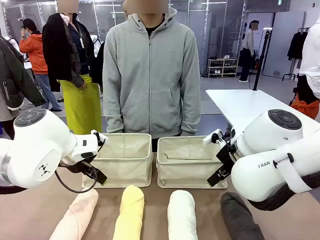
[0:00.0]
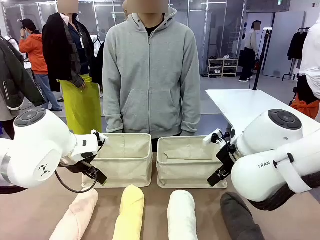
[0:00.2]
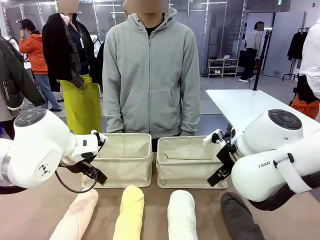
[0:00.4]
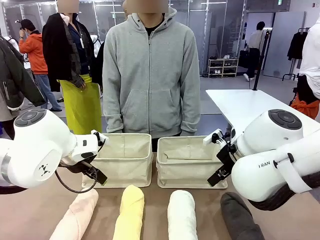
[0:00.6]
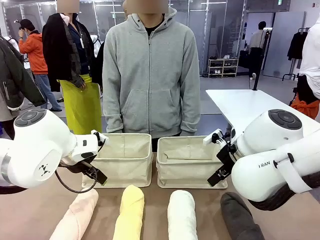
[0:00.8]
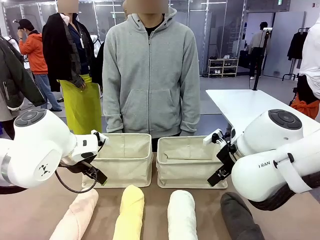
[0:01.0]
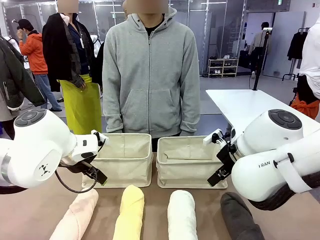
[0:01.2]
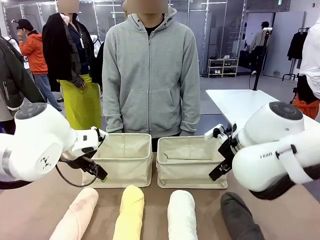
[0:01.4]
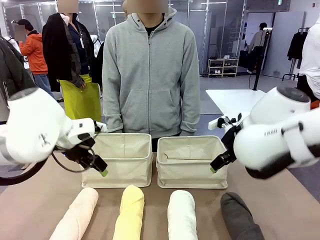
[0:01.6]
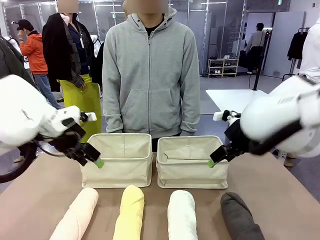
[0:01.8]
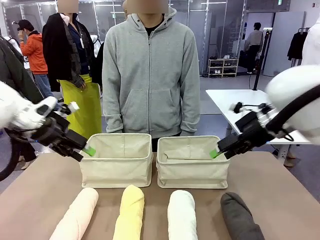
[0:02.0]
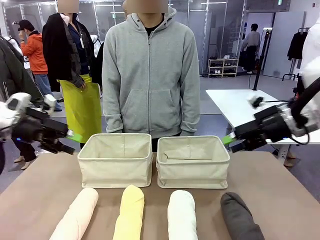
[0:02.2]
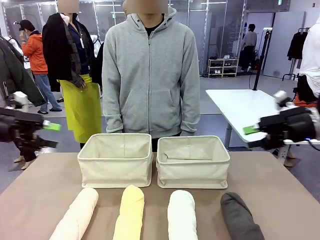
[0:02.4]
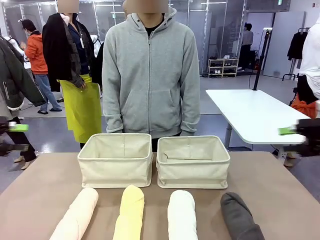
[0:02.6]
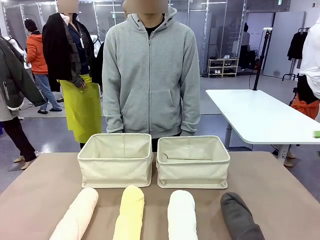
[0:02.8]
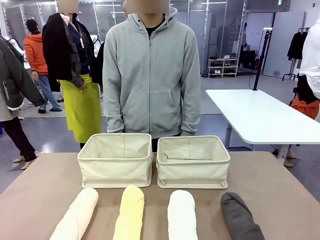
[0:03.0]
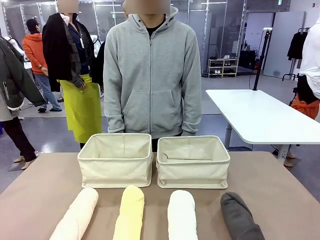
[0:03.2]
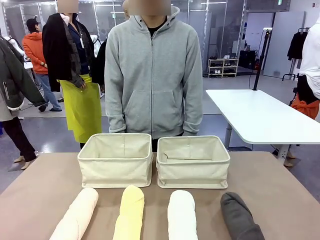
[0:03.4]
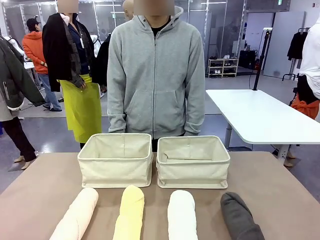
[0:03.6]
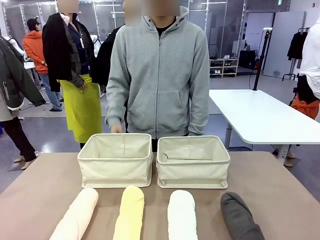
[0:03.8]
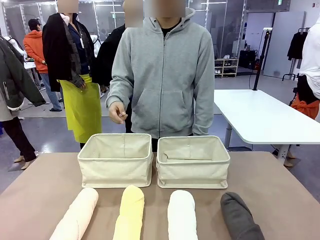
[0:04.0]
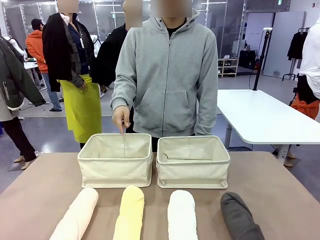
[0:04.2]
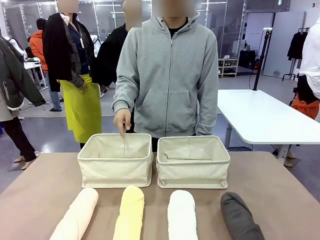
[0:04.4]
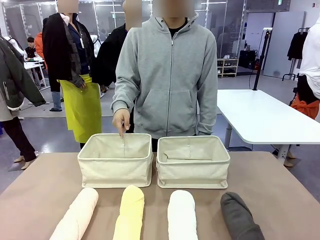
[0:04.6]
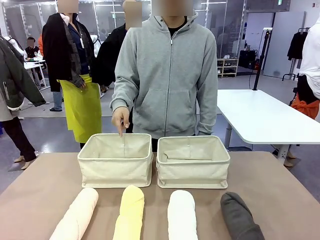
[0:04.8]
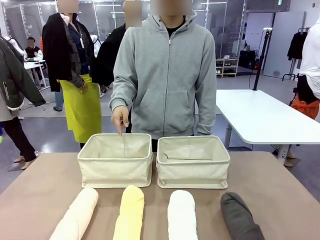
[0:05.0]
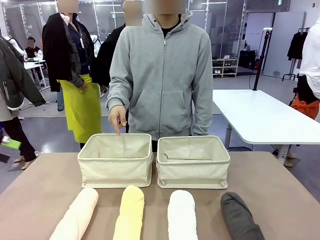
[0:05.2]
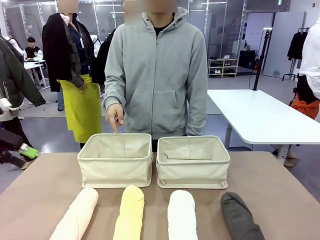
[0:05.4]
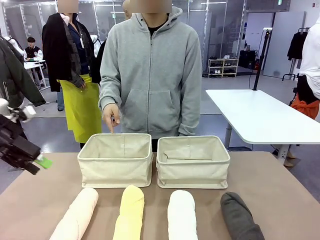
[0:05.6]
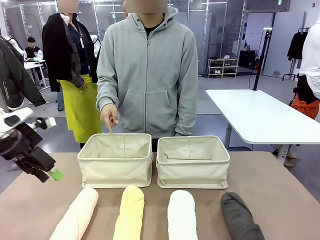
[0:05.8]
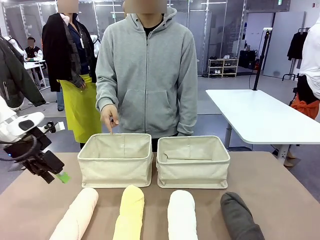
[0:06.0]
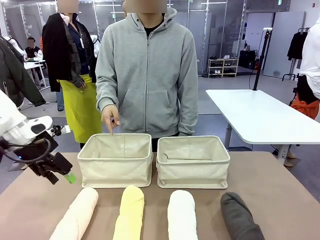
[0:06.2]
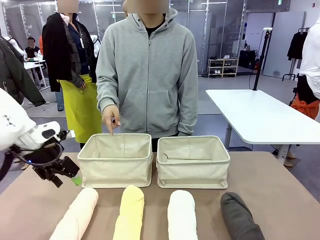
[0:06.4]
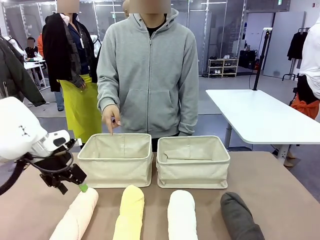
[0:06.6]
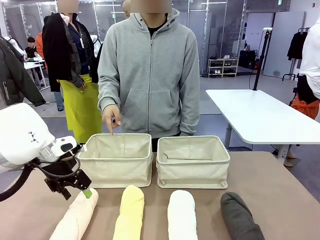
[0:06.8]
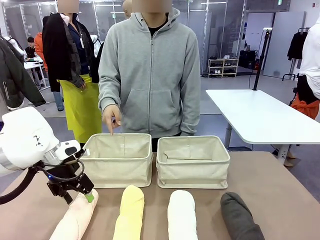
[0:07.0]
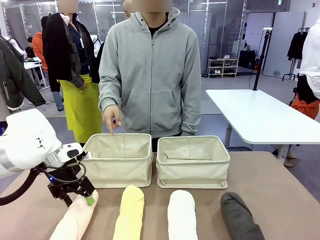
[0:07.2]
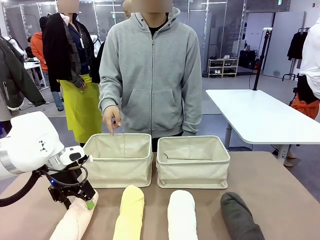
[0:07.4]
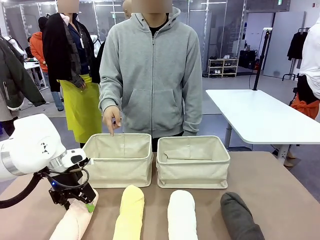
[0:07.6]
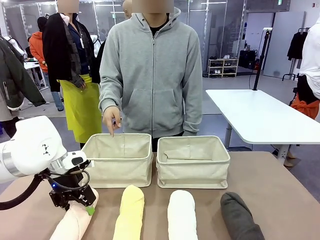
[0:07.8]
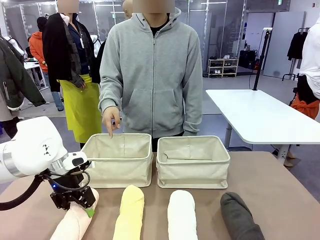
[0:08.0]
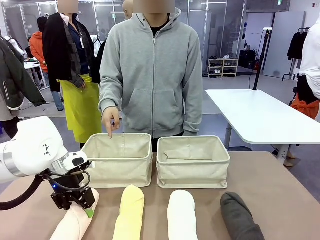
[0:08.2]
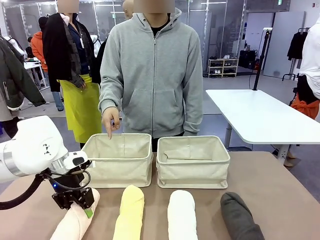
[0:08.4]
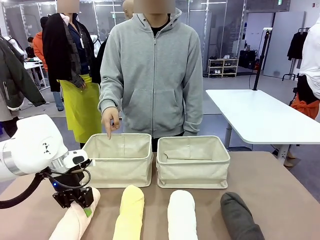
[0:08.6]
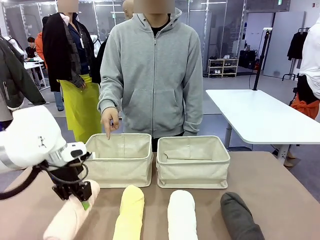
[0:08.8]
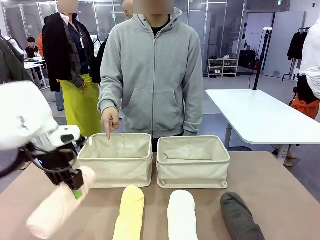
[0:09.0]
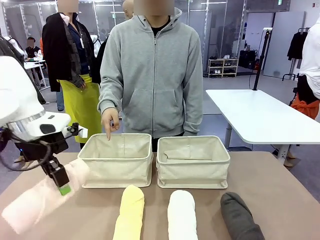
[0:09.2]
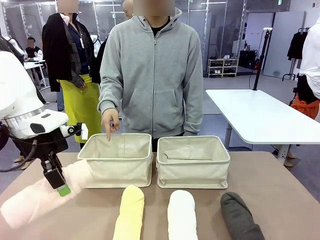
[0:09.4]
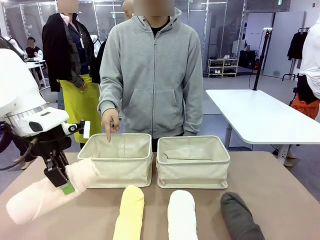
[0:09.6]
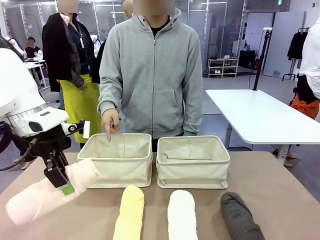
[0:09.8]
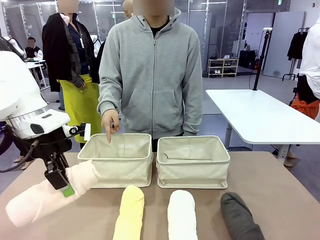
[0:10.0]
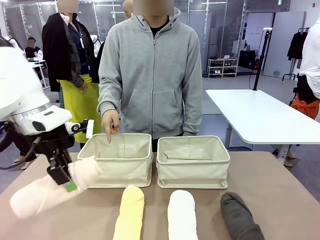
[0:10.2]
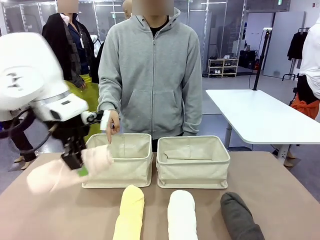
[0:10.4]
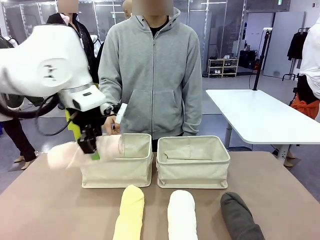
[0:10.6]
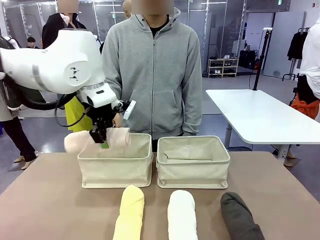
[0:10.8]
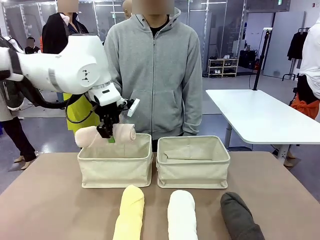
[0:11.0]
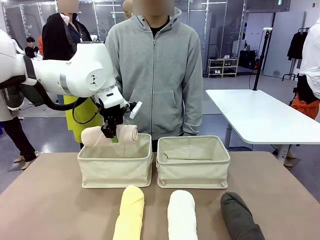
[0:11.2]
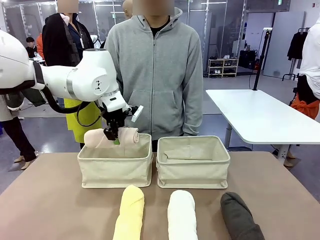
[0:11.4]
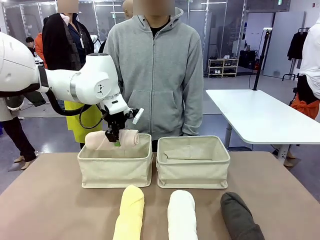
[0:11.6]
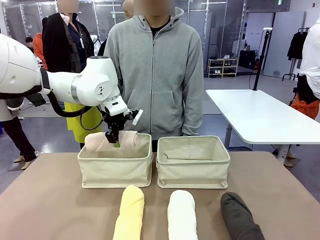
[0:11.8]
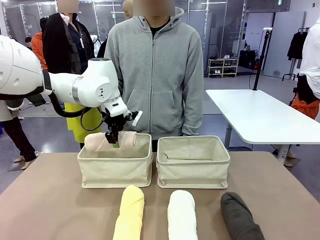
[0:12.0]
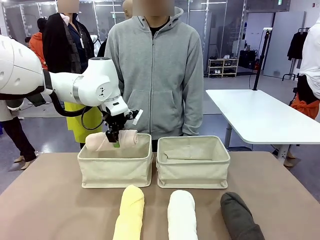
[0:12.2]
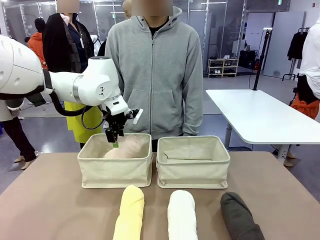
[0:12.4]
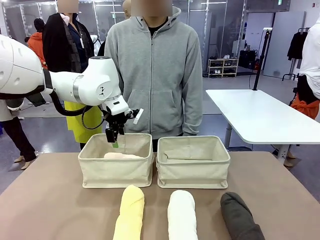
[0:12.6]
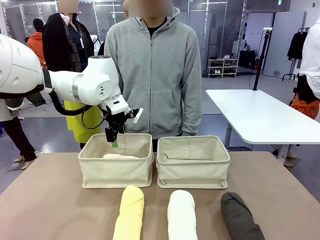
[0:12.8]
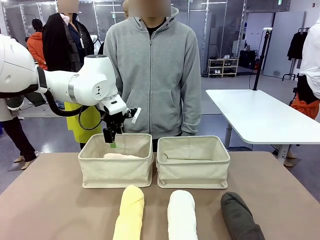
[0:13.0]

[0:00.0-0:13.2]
Task: Divide the towels into two baskets.
Robot: Pick up one hotel-folded towel and place it in the Fabric basket indicated by the person.
